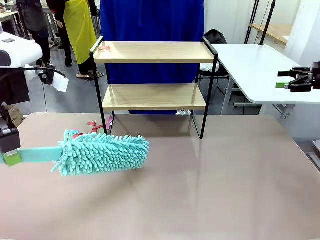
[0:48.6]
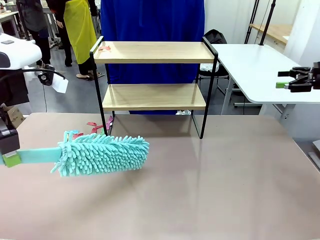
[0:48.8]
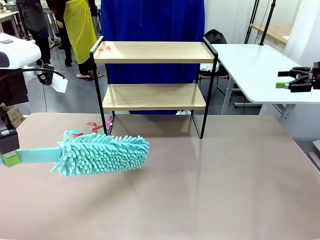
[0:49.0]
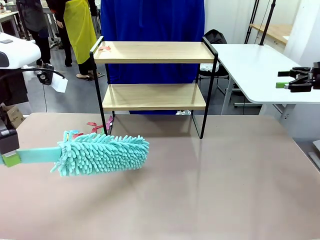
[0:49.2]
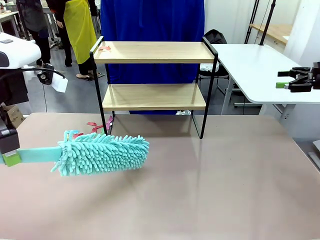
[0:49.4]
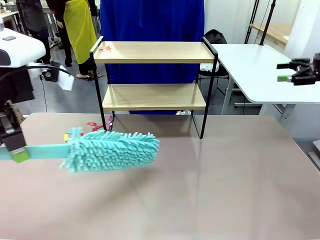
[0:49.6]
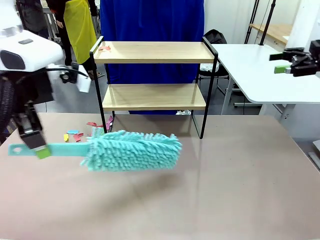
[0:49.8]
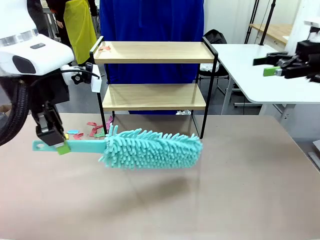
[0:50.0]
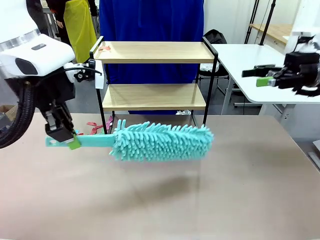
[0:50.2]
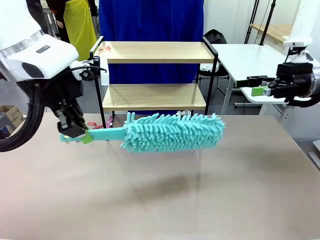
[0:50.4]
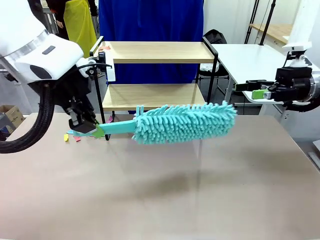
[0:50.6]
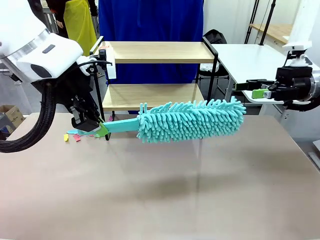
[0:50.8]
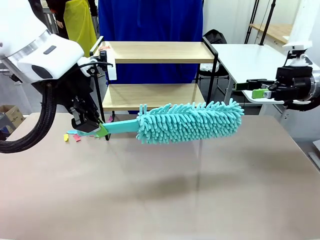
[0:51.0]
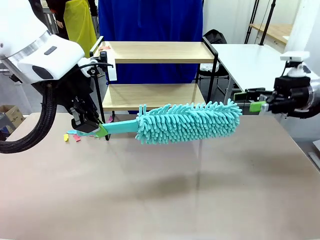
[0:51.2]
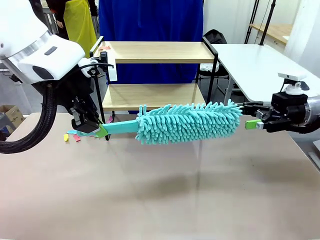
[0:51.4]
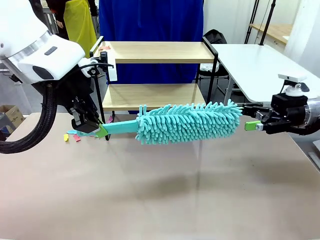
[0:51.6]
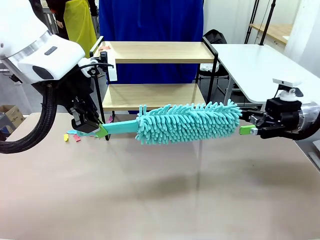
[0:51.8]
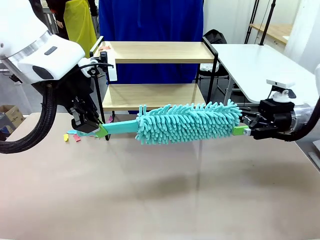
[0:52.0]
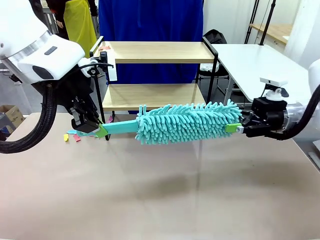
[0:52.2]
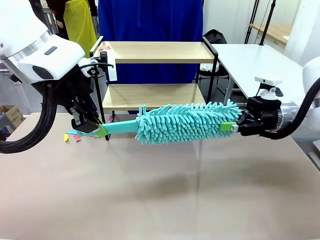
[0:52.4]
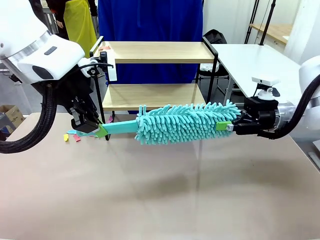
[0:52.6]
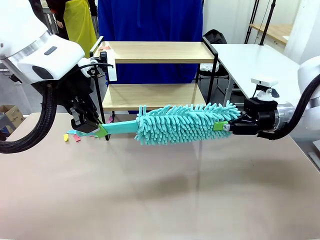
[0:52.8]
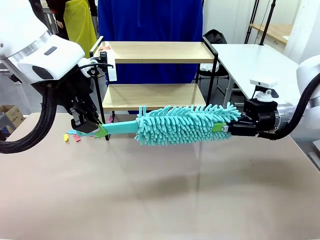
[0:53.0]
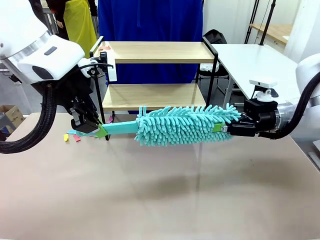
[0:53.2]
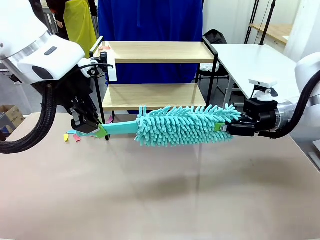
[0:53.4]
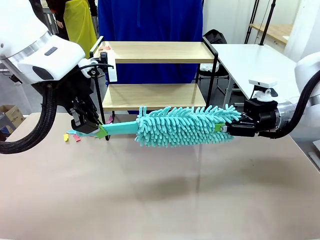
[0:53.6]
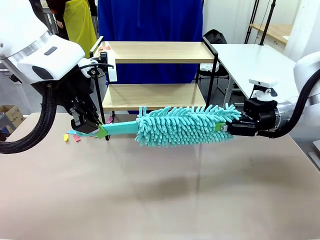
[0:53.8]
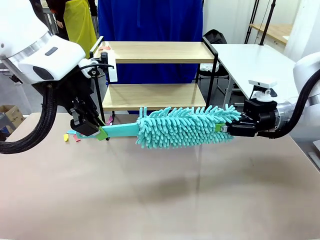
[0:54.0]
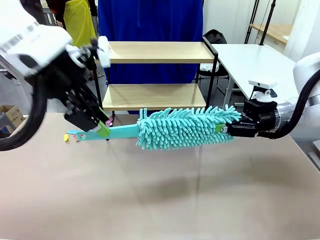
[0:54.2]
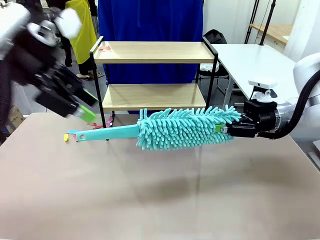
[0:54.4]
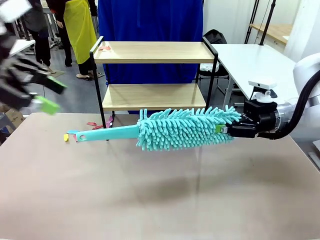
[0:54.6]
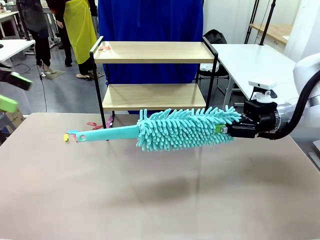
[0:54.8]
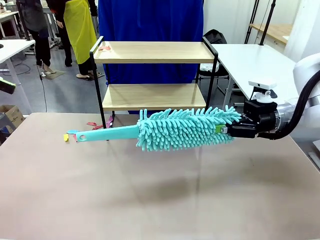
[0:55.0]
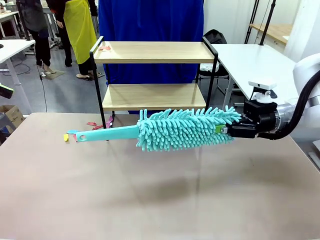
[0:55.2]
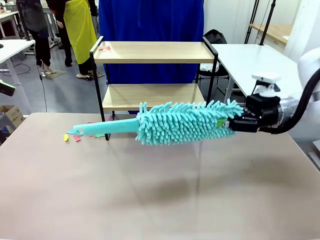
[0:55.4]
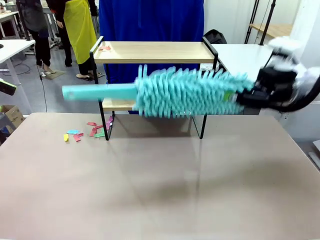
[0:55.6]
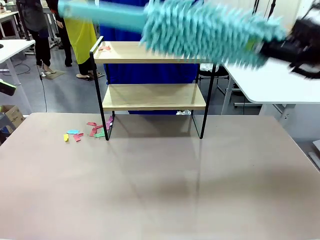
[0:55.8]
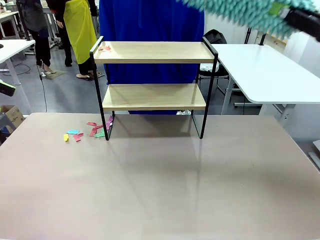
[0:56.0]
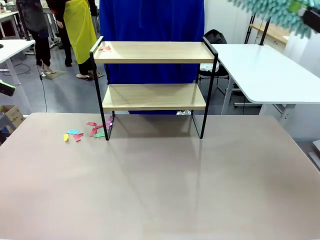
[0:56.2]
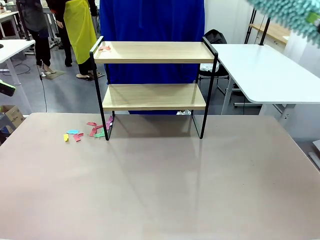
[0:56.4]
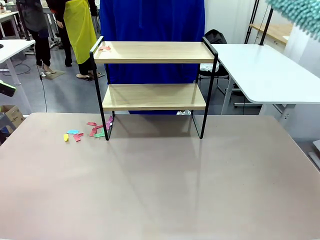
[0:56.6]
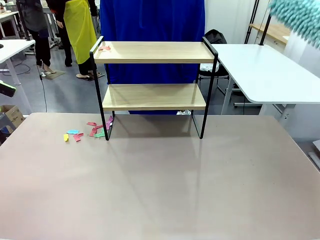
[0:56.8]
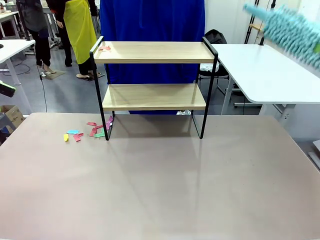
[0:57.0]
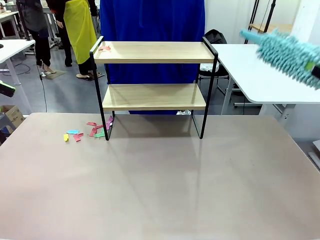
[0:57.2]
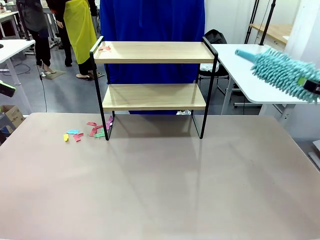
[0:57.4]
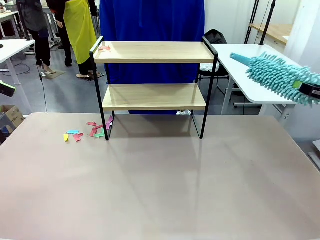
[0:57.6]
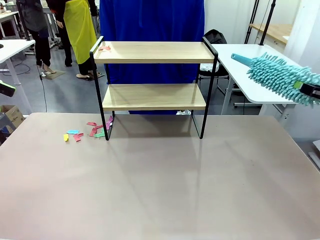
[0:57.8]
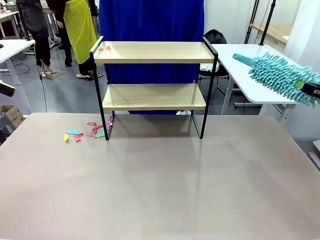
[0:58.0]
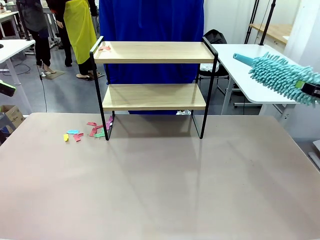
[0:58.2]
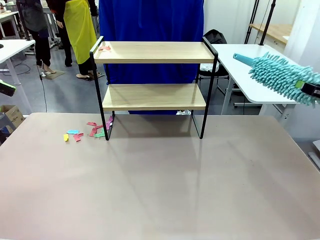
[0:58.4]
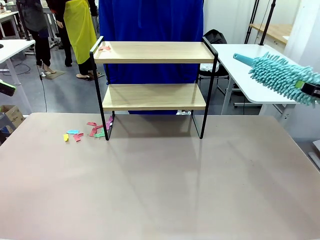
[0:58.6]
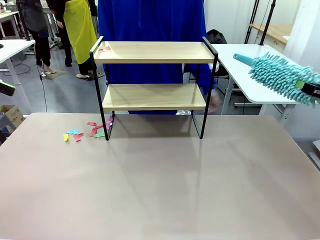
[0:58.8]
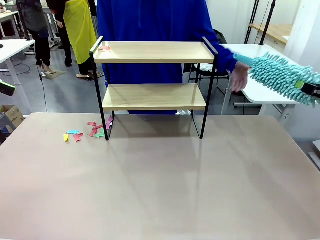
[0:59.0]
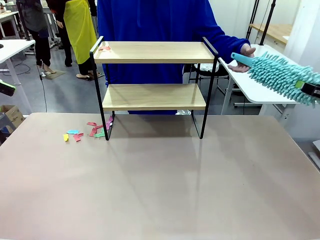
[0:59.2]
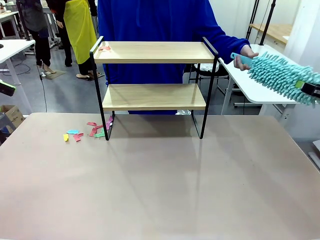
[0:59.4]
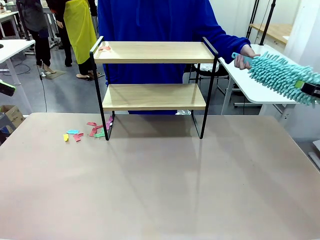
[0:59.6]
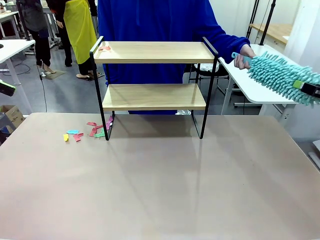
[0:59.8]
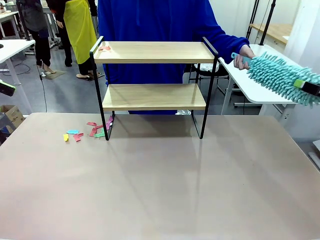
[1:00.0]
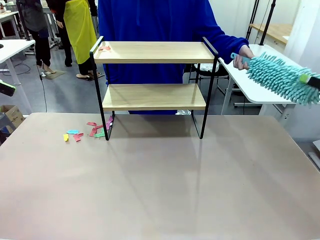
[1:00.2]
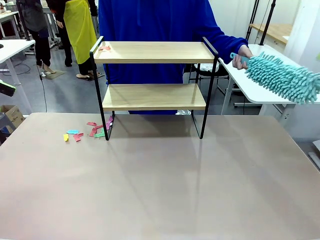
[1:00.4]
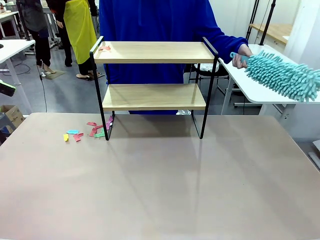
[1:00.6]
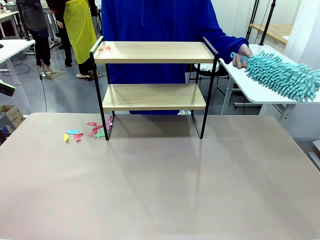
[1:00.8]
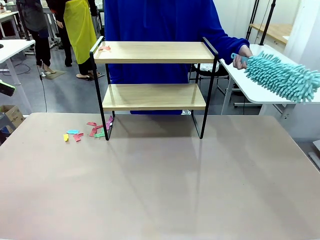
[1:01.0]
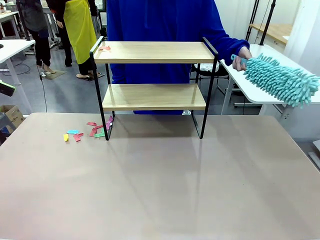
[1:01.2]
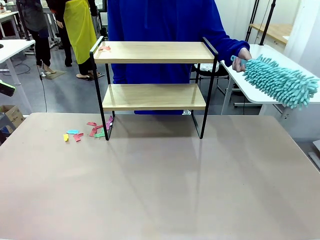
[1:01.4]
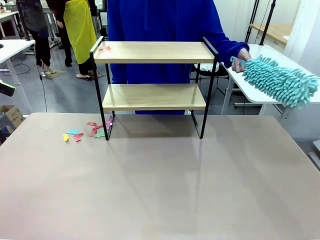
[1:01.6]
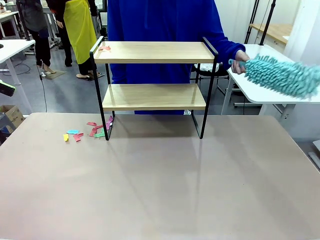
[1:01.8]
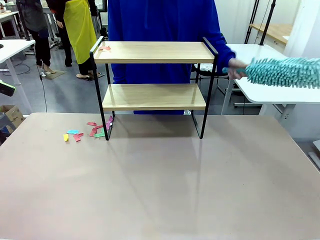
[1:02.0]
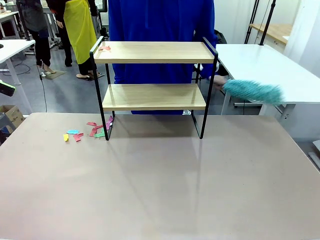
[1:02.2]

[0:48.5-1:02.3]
Task: Clean the shelf.
Robot: Hand the Duster back to the human.
Person: Receive the Duster from the robot.
